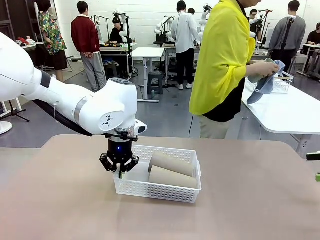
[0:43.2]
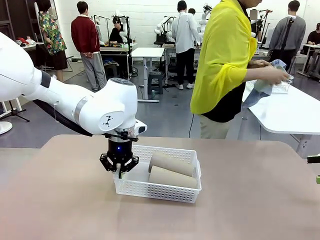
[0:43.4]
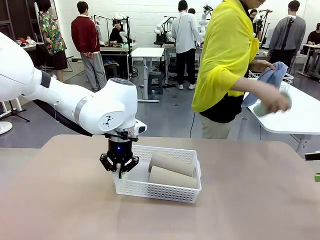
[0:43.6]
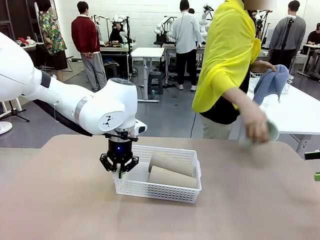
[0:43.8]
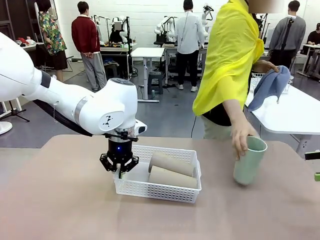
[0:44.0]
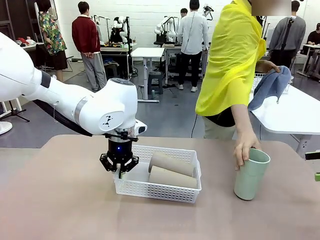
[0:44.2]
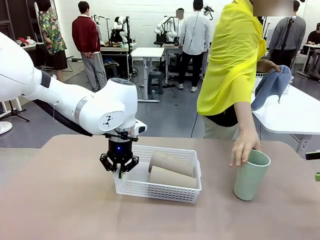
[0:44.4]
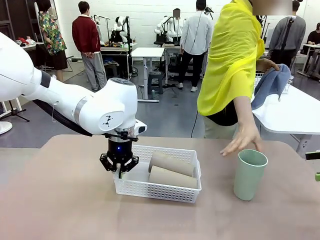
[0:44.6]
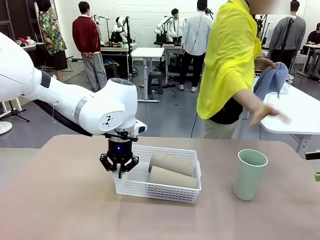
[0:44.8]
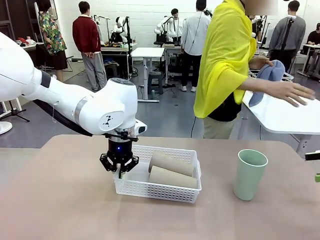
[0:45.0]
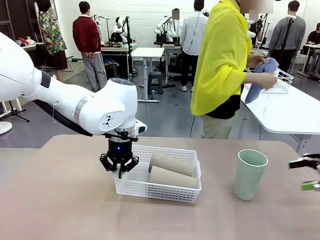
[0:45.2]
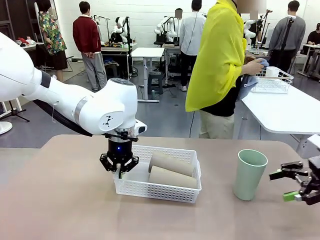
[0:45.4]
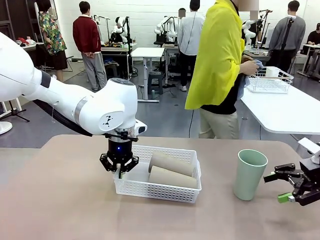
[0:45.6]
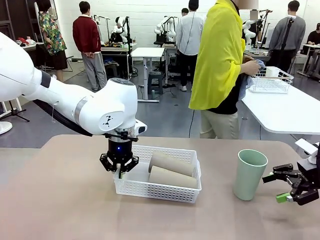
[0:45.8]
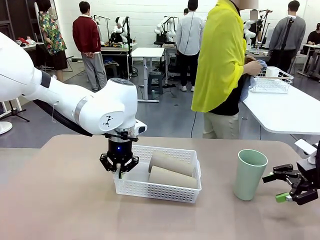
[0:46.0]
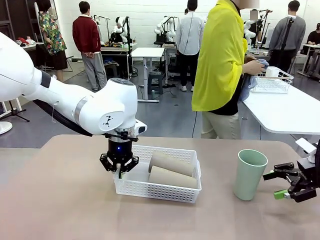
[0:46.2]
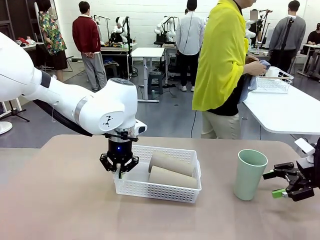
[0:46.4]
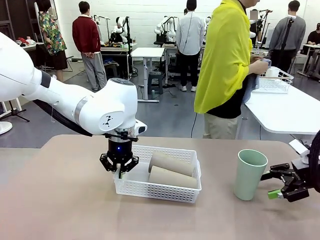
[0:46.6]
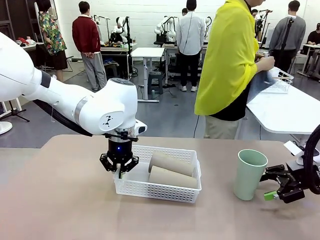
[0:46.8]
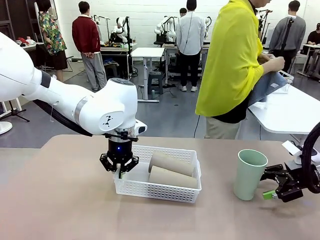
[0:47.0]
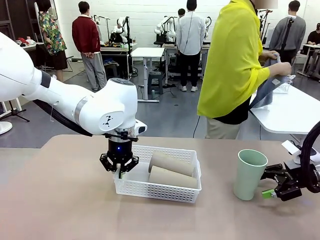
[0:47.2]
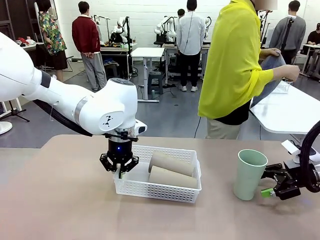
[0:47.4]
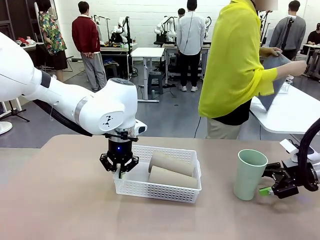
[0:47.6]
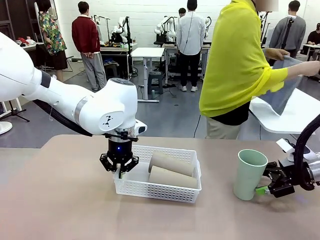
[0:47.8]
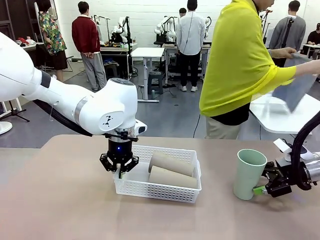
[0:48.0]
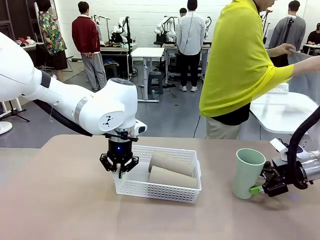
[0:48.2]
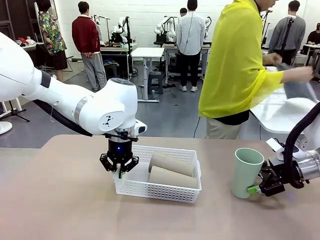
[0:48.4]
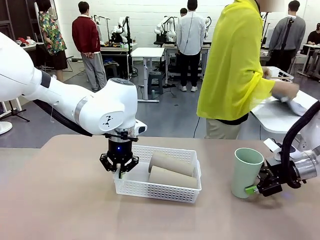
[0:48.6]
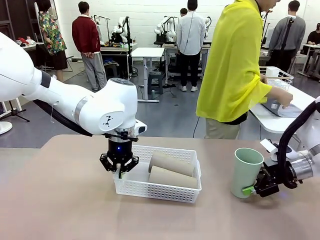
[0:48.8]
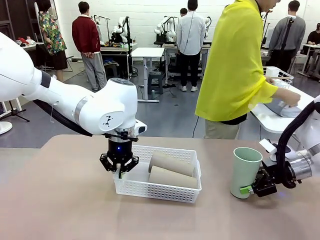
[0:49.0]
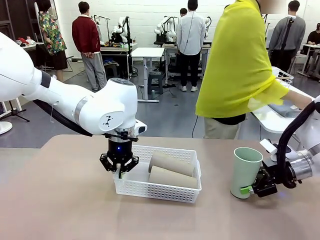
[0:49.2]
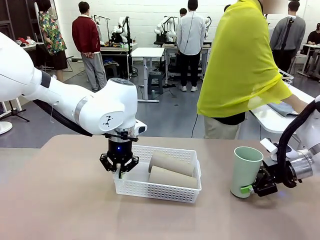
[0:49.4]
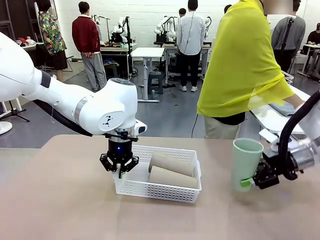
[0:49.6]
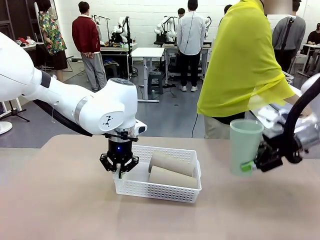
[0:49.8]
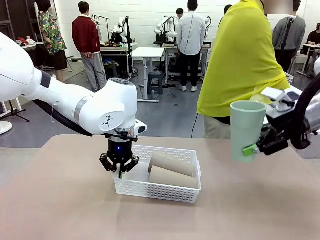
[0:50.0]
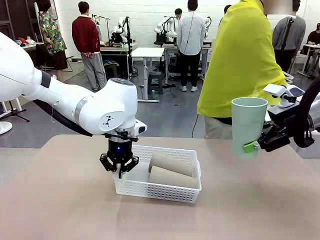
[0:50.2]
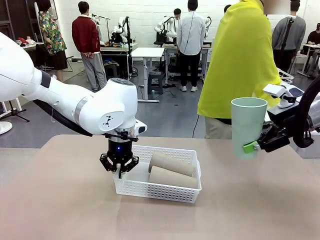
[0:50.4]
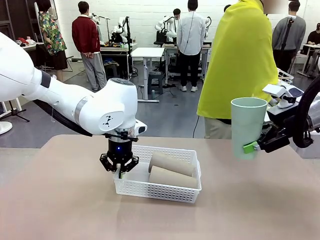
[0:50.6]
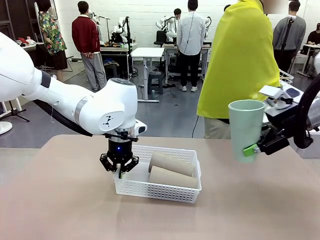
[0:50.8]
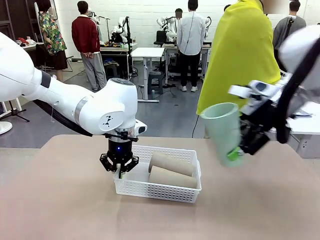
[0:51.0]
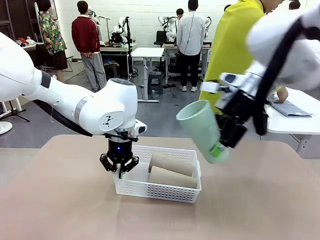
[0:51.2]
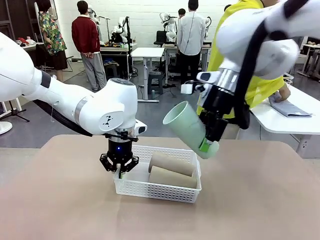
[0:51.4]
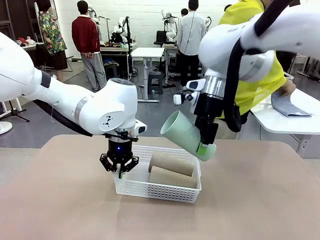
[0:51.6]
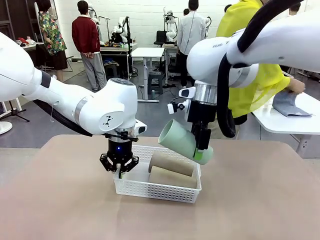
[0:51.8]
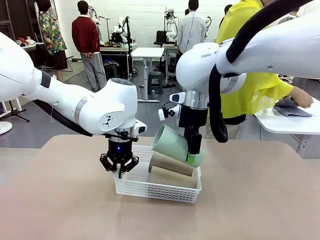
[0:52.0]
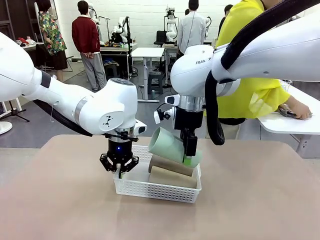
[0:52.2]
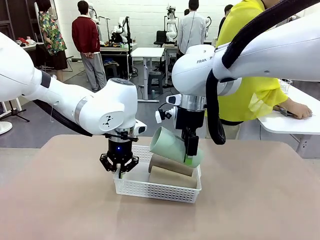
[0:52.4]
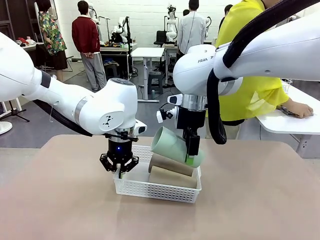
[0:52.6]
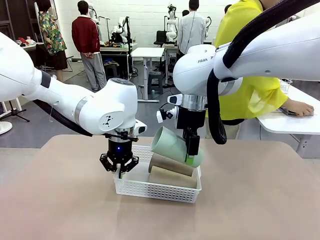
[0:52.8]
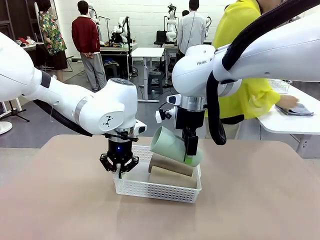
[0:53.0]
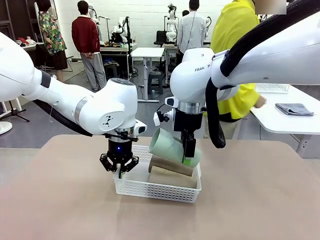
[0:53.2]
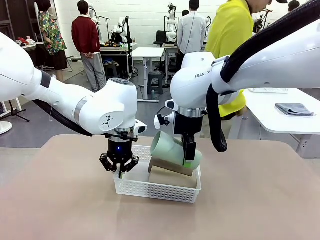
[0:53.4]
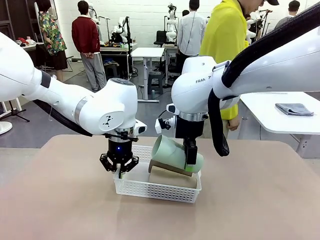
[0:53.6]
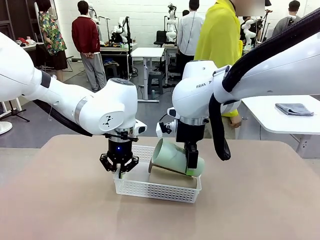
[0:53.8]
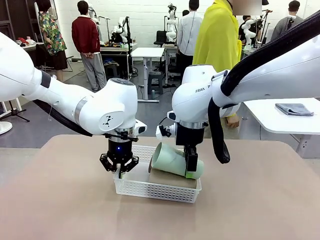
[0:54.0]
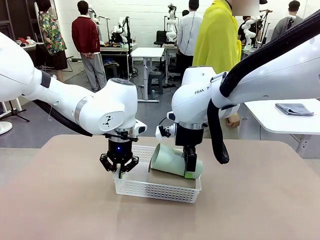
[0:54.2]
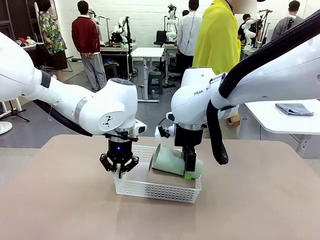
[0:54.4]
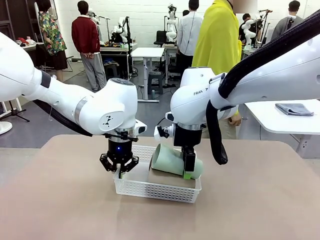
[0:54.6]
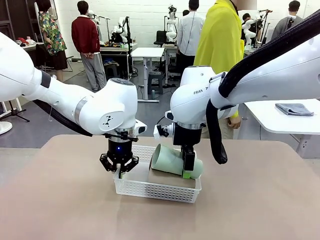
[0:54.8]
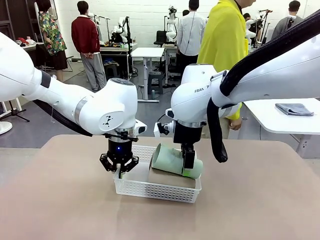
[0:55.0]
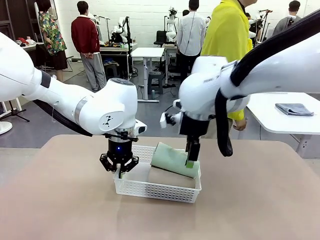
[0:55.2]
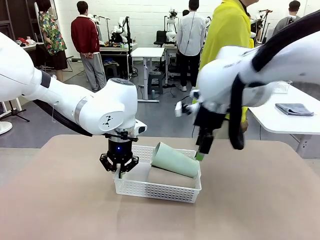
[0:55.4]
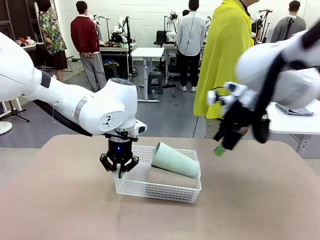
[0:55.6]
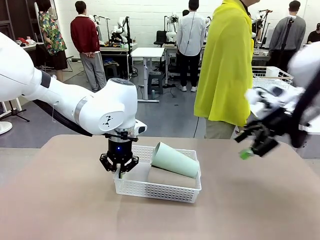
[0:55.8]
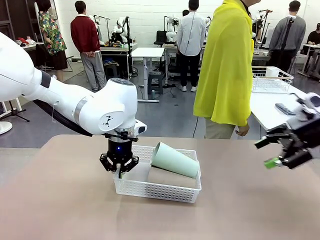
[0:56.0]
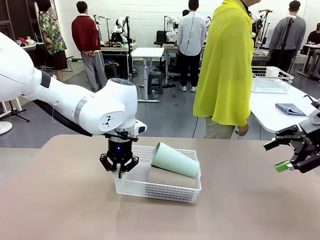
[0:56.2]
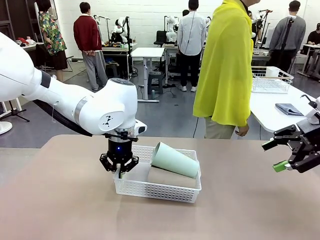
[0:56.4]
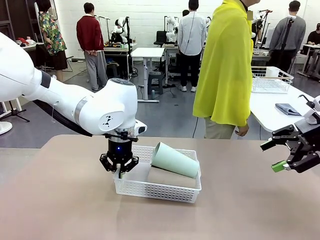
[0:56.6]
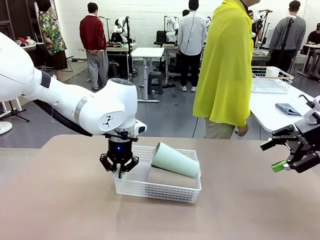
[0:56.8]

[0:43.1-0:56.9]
Task: Clean and organize the cups into the basket.
Robot: Pick up the Reusable plastic cup from the right side of the table and stack it inside the Organizing basket in the center of the table.

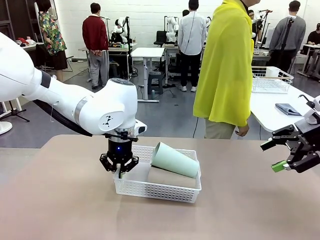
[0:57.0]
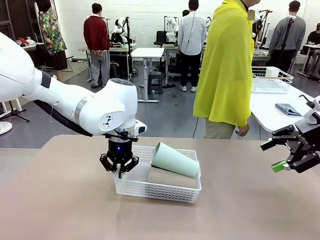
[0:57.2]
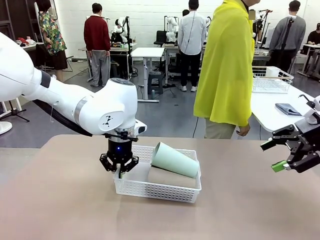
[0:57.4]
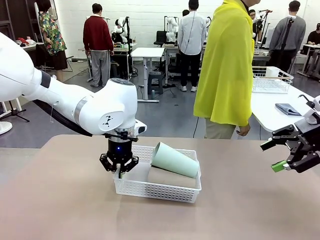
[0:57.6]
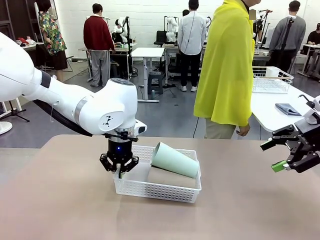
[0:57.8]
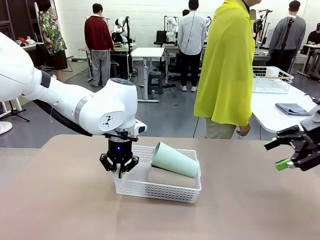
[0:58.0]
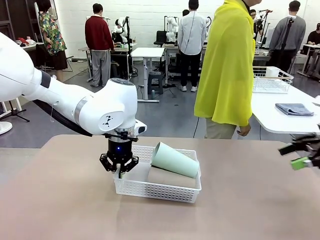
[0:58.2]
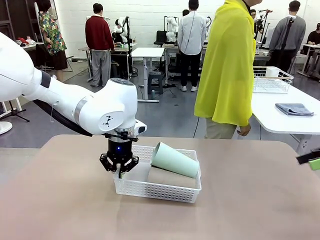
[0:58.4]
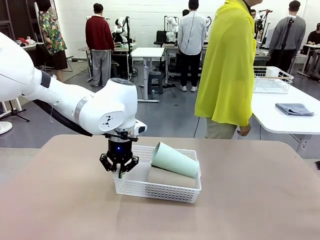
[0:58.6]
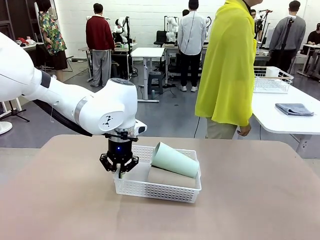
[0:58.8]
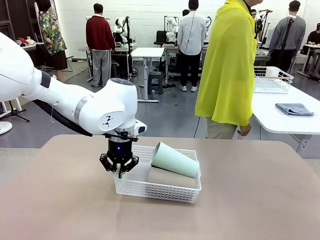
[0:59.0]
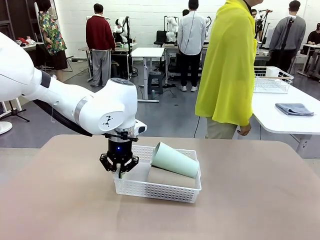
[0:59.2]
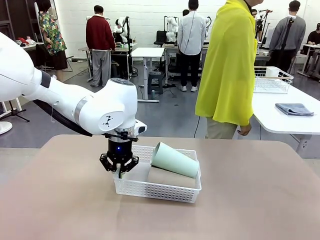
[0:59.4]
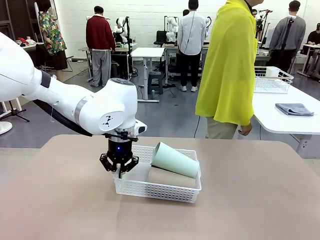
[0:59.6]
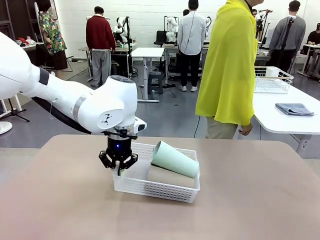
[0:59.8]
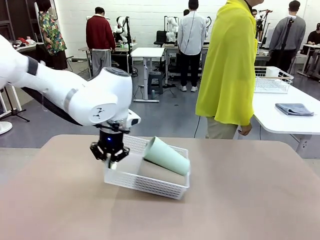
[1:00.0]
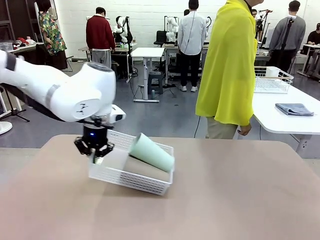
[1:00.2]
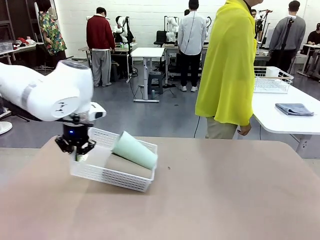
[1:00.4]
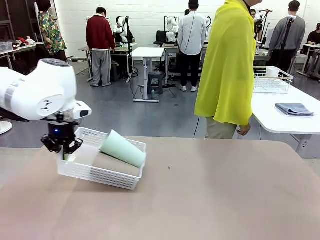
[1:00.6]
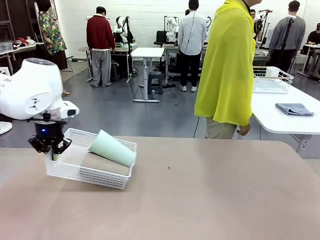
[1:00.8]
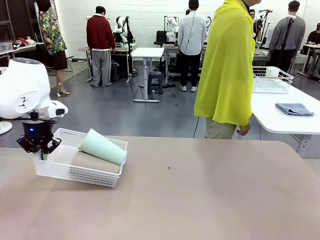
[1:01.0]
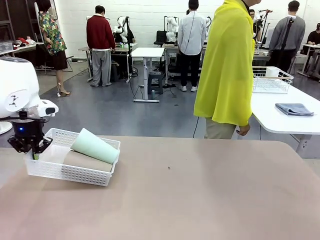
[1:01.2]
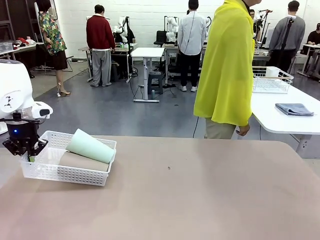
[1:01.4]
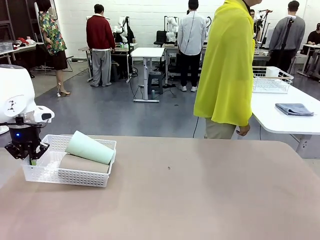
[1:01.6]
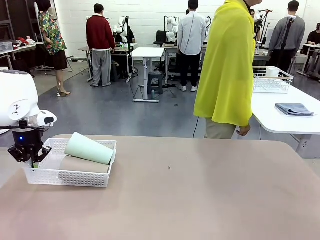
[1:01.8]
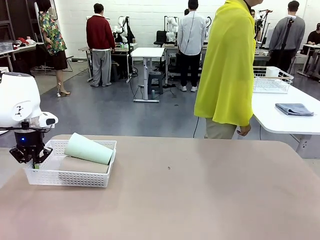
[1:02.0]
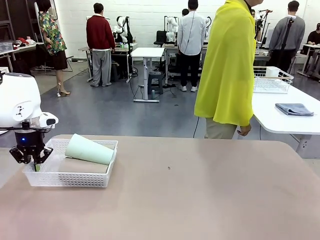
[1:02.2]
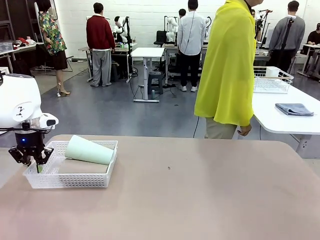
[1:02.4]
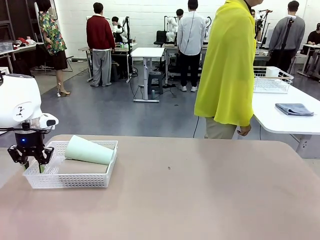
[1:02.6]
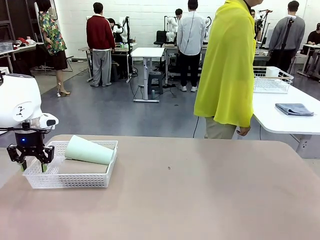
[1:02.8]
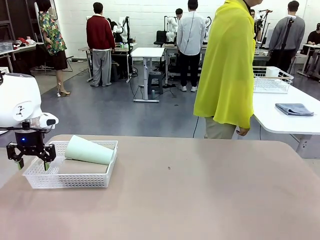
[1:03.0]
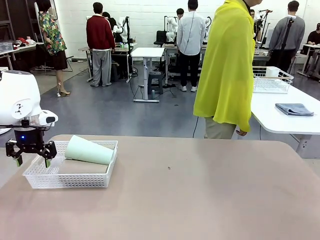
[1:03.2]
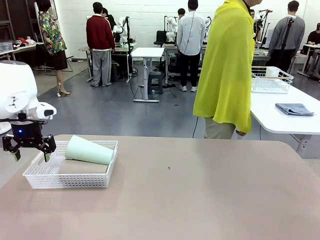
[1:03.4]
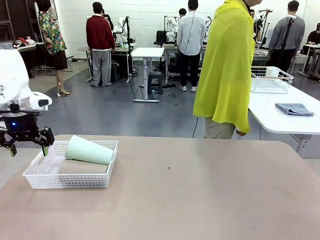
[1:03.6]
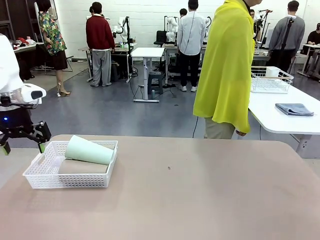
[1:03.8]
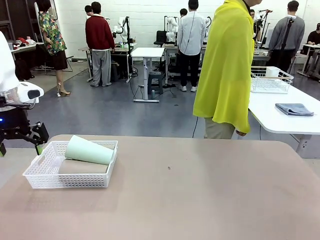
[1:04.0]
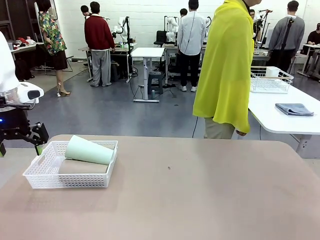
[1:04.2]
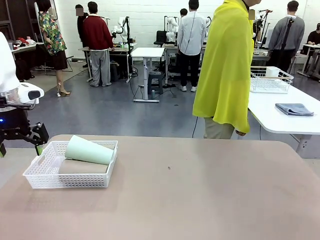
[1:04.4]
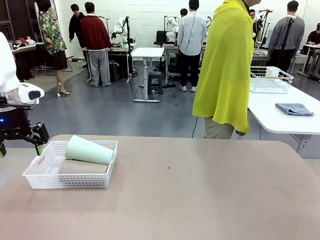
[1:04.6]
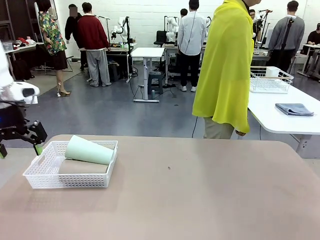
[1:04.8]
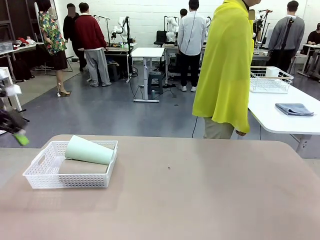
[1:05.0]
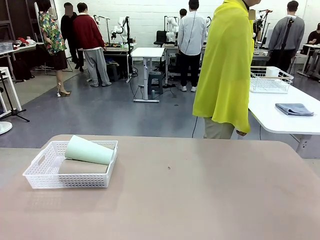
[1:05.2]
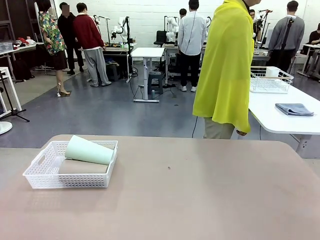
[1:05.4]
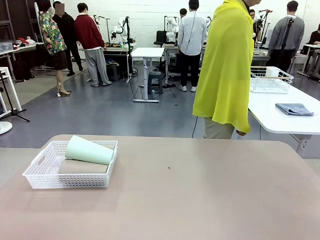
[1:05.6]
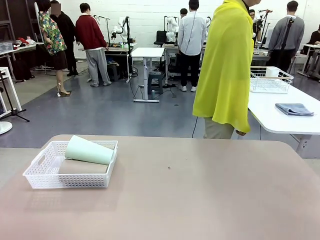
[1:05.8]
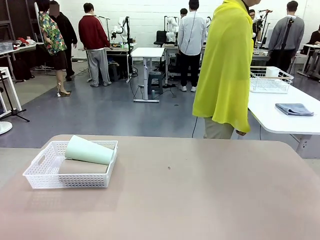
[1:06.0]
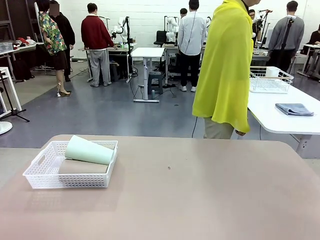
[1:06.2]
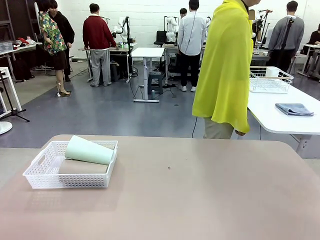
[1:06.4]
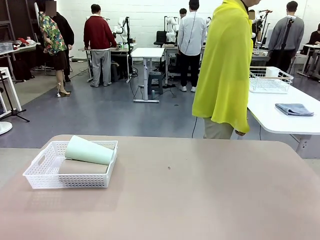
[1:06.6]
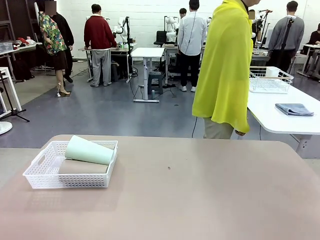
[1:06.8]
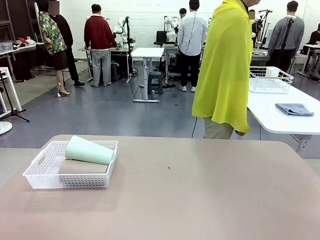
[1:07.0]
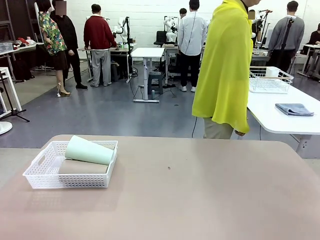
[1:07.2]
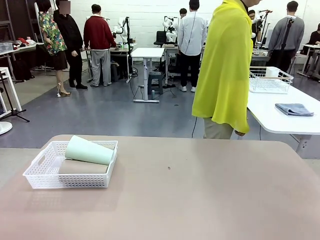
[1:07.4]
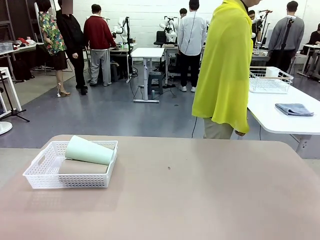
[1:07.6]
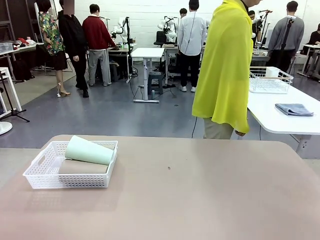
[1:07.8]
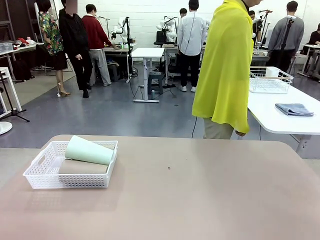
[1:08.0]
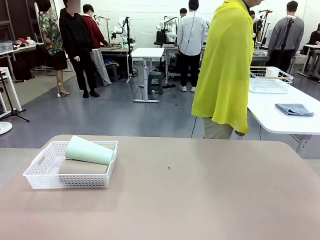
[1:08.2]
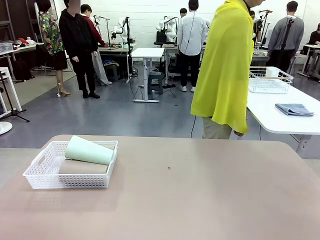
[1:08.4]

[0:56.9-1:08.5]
Robot: Move the Organizing basket back to the left side of the table.
Person: Folds the towel in half twice and places it in the right of the table.
